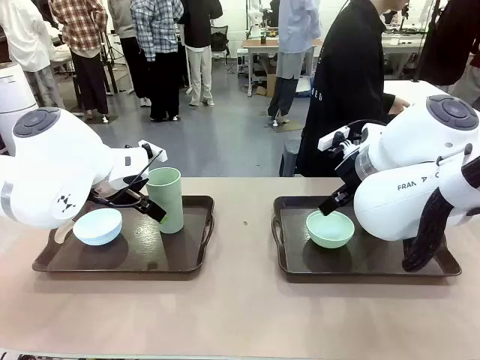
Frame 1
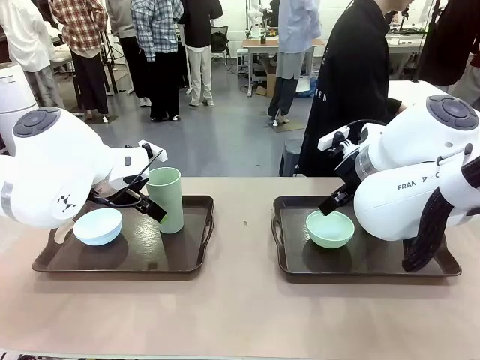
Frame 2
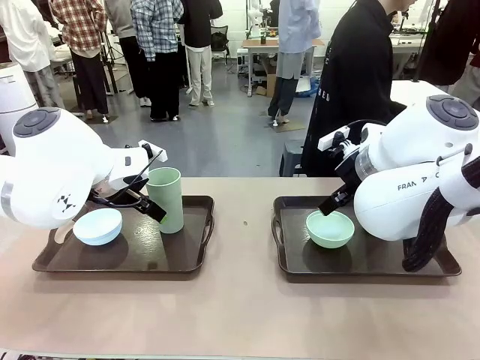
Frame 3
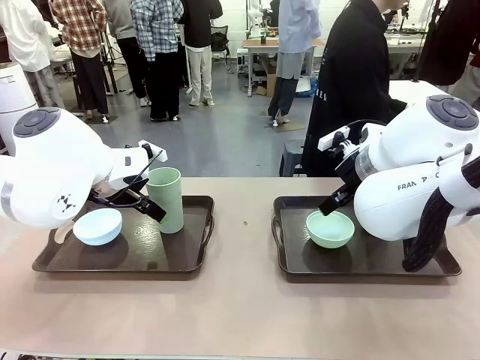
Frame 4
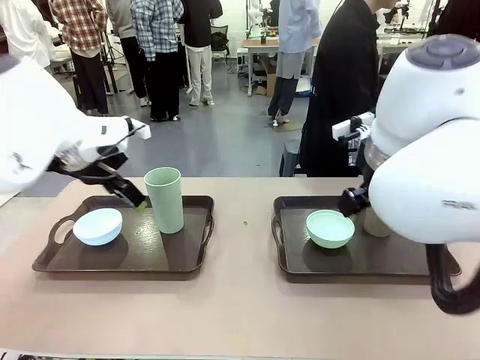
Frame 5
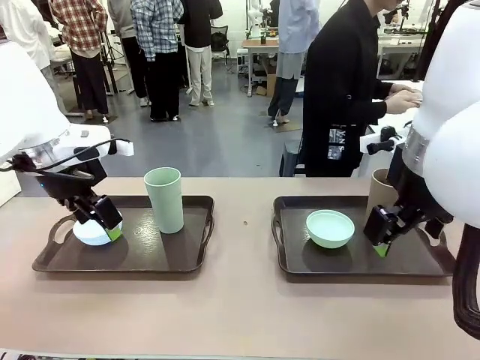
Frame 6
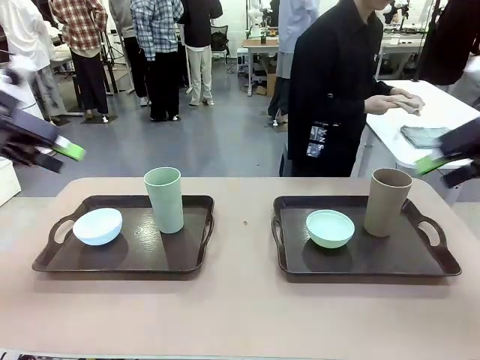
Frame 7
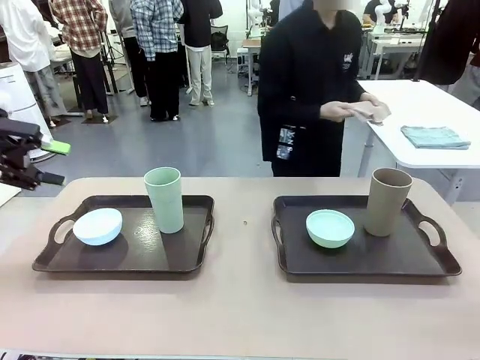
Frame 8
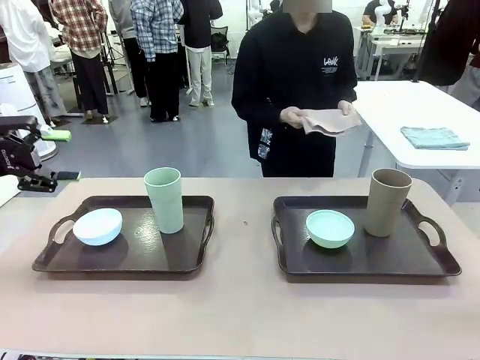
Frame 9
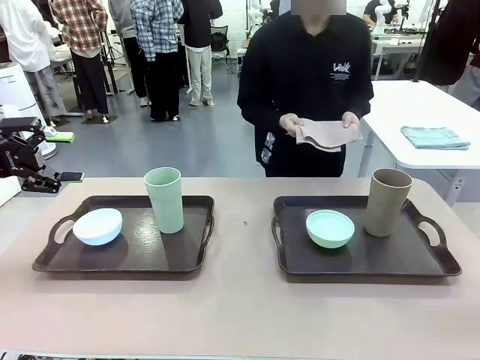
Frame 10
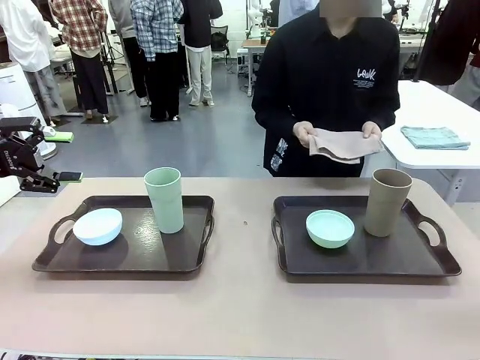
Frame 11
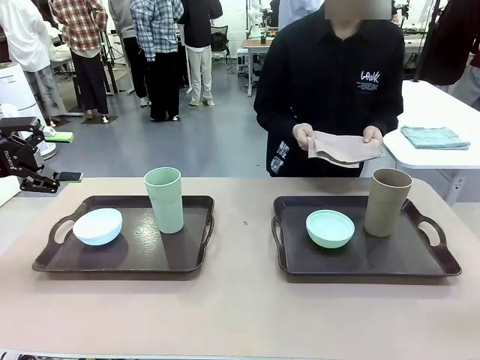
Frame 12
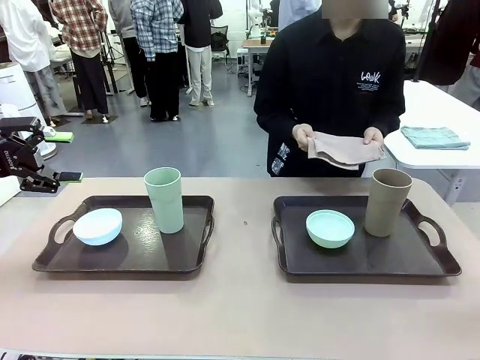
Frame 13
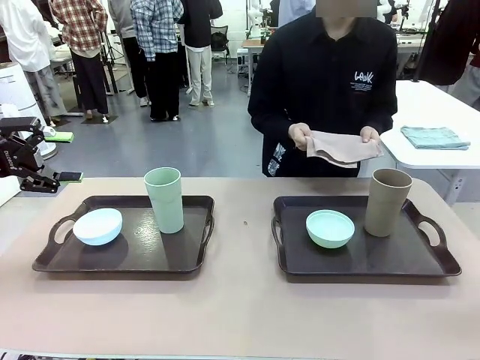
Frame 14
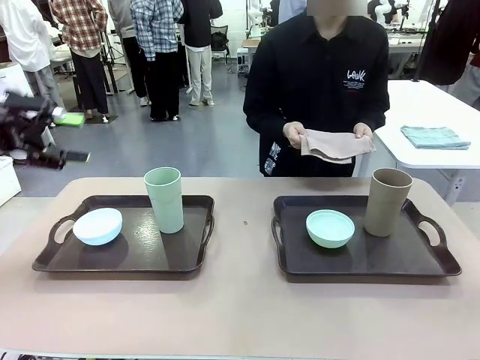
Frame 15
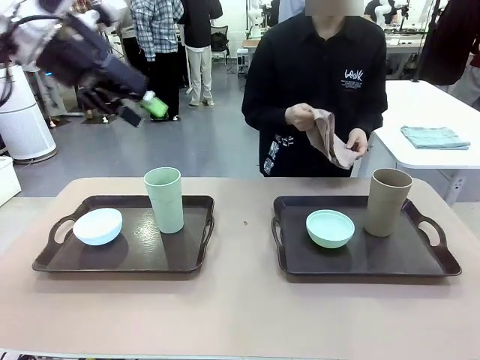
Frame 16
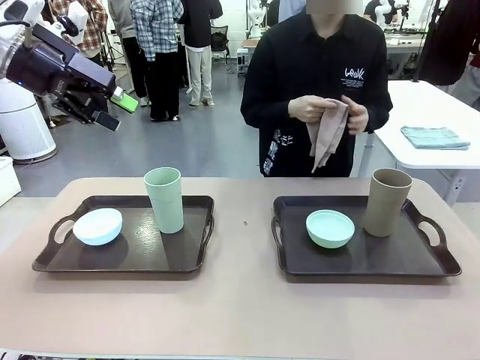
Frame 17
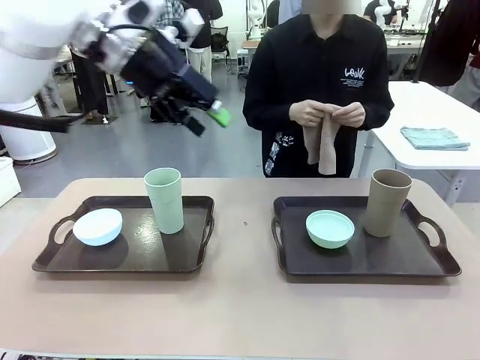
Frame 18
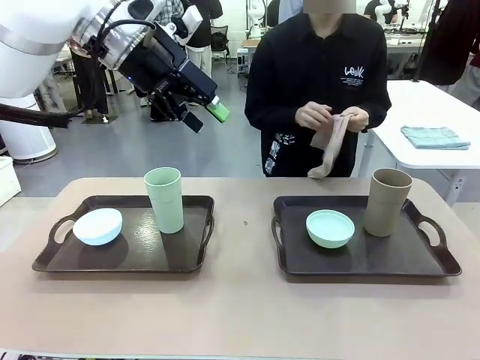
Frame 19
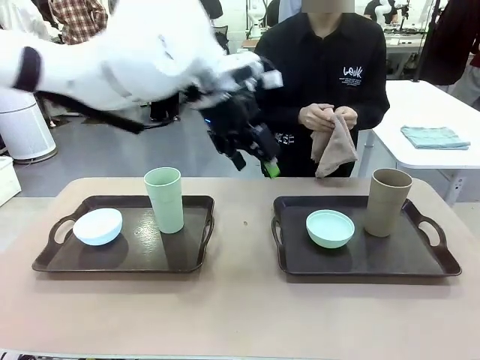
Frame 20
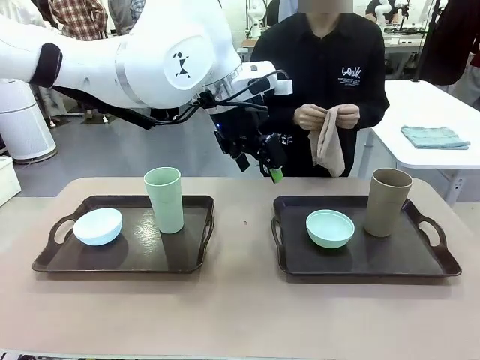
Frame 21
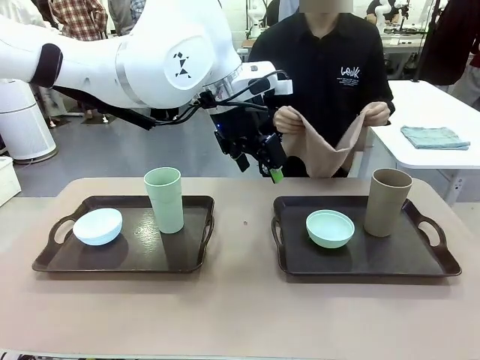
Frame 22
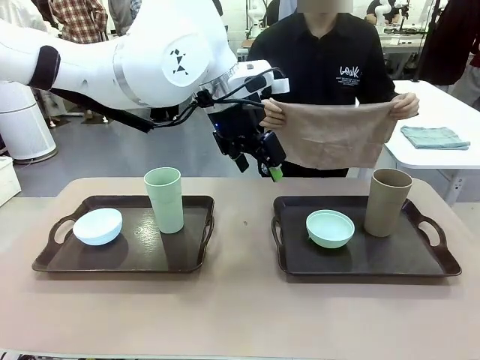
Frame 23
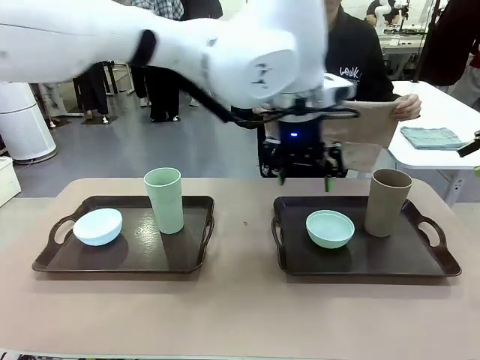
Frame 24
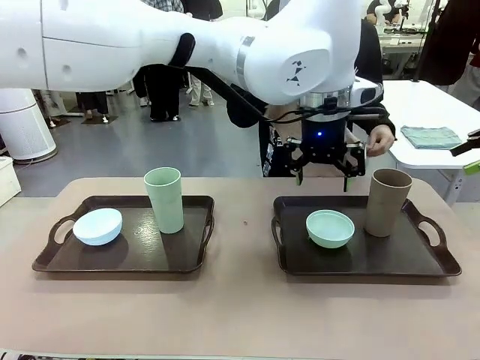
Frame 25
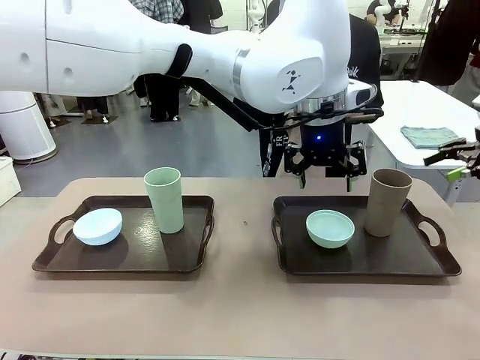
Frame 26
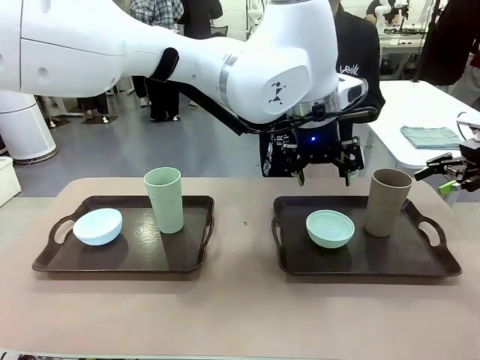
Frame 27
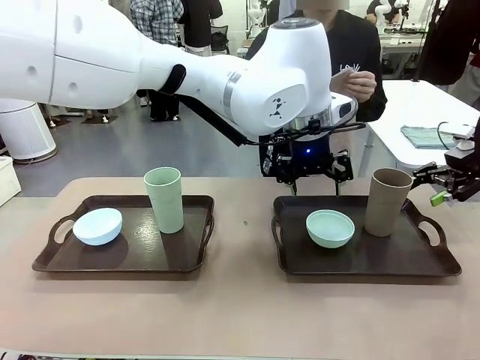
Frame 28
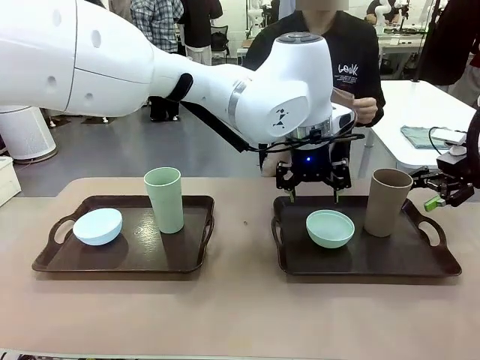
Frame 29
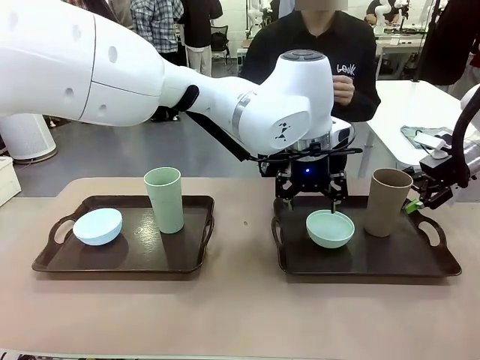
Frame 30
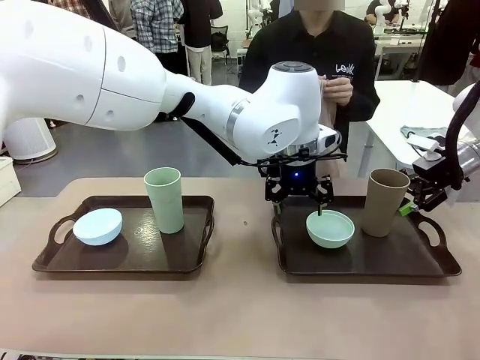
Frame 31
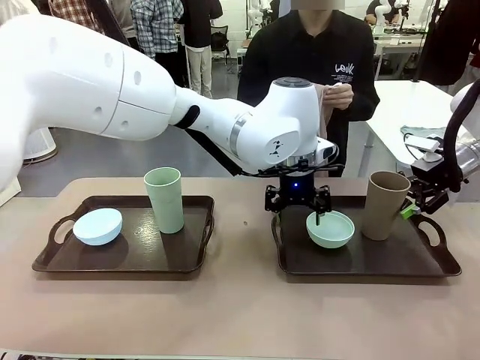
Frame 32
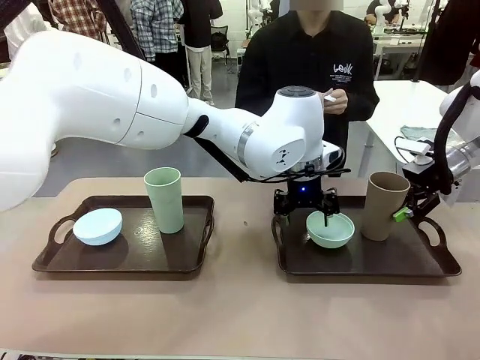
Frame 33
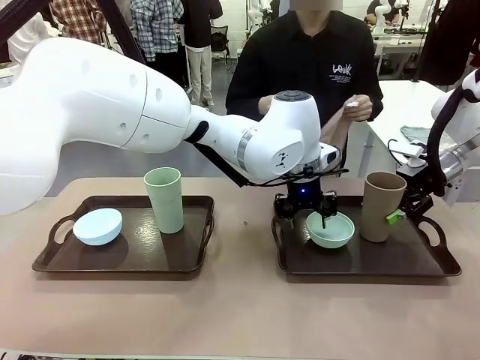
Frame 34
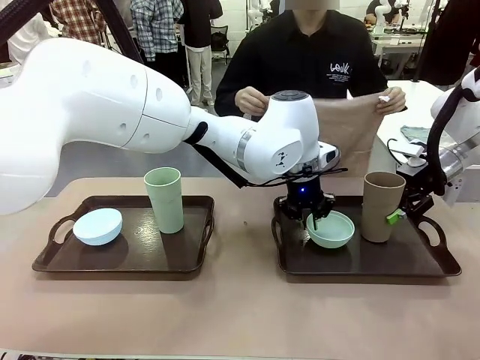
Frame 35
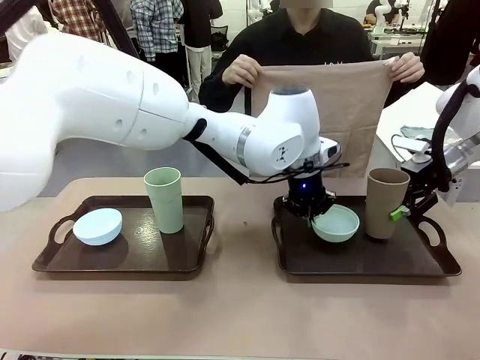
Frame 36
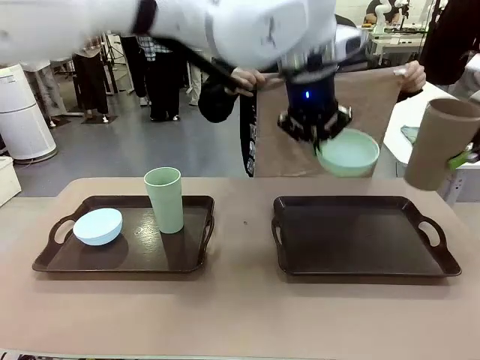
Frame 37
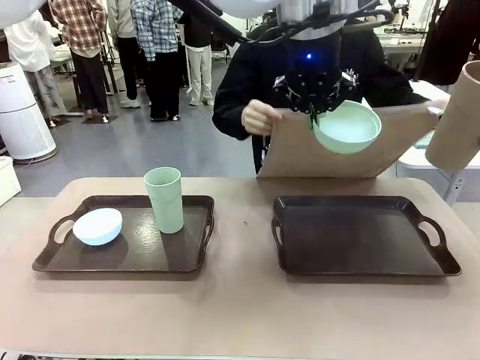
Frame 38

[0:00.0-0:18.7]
Robot: Pick up the Picnic Bowl and Reusable plastic cup from the Handle tray in front of the human's position and hold them in the air.
Person: The human picks up the top napkin from the stack on the human table and walks to the robot table to stand in front of one of the two trays. When the robot lifts the bowl and the cup, the human unfolds the napkin and lays the napkin flat on the tray.

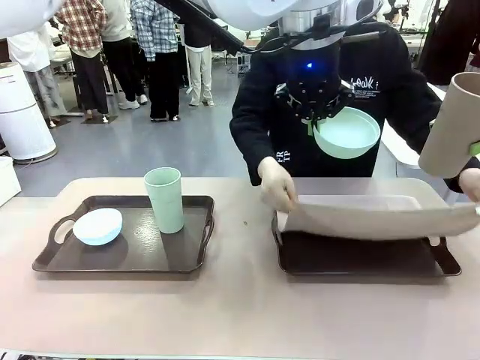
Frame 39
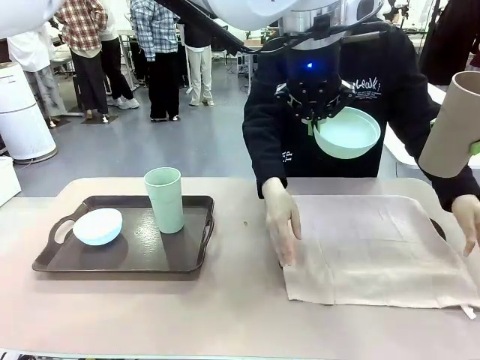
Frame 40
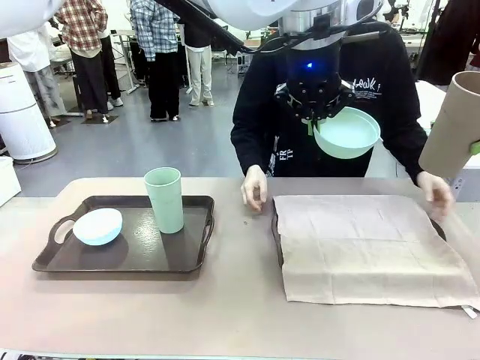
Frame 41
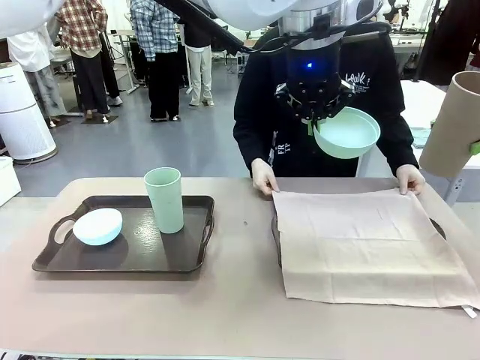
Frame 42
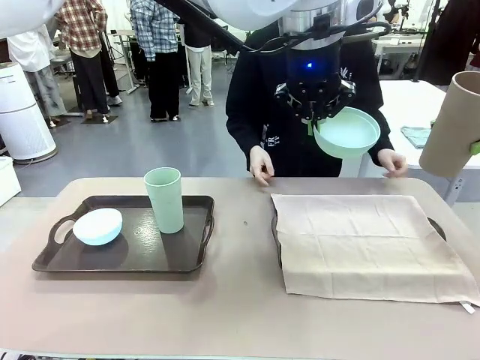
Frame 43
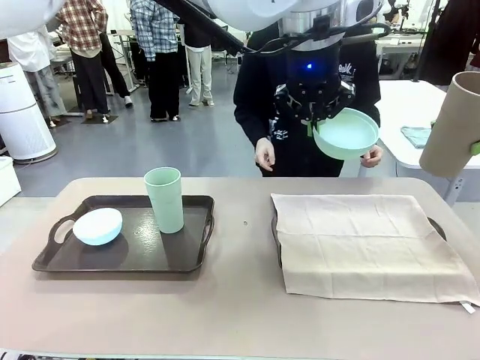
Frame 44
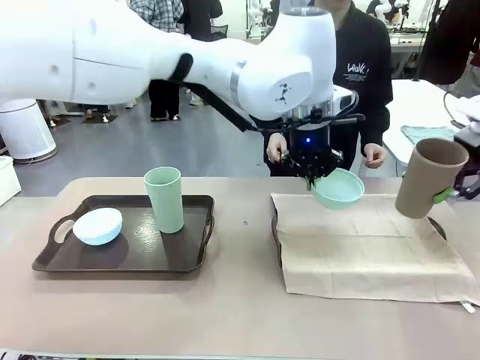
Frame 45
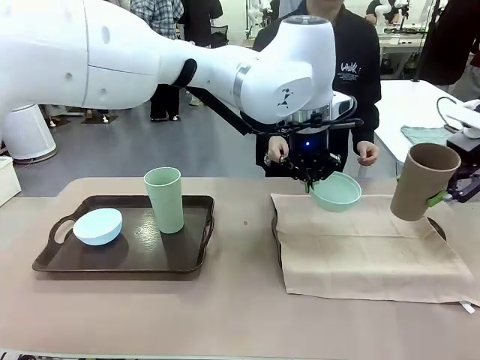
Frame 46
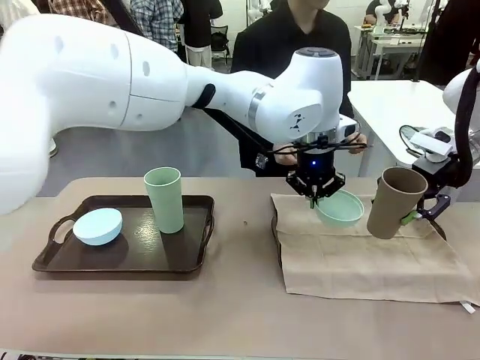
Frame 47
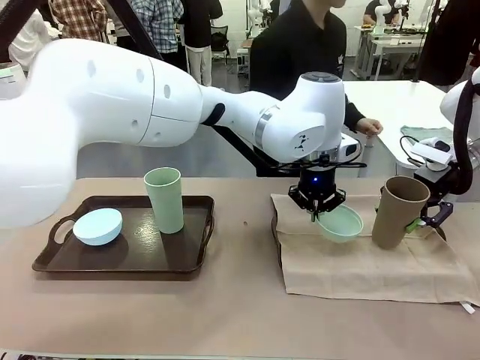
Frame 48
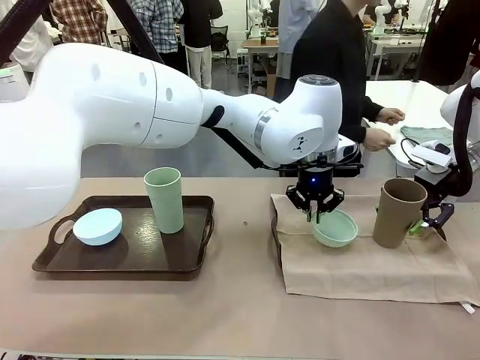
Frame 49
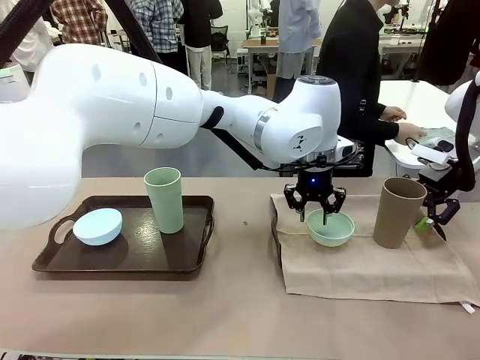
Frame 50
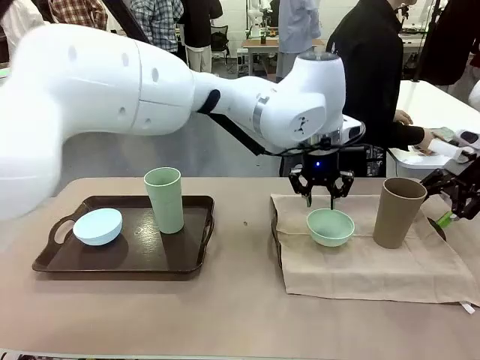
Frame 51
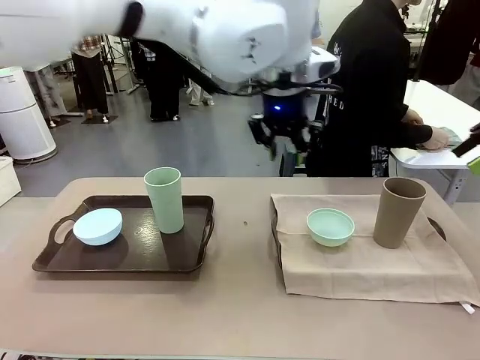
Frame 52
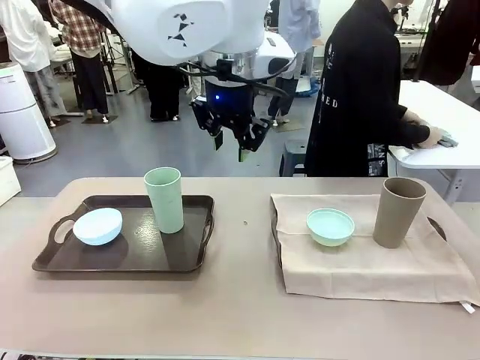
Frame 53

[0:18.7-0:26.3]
Robot: Place the Picnic Bowl and Reusable plastic cup back onto the Handle tray in front of the human's position.
